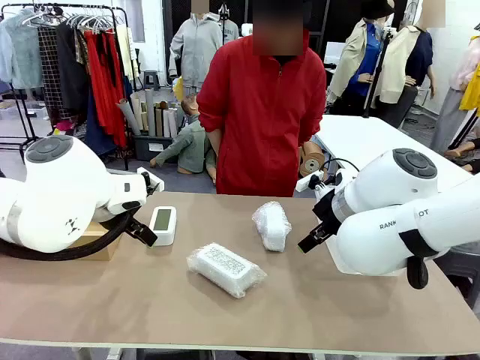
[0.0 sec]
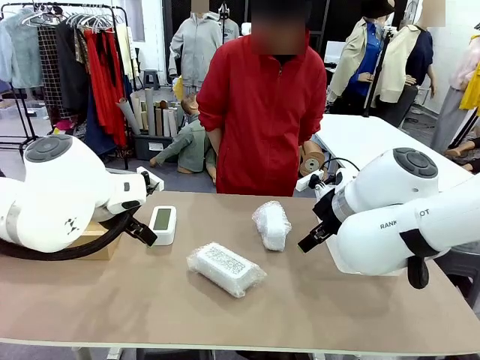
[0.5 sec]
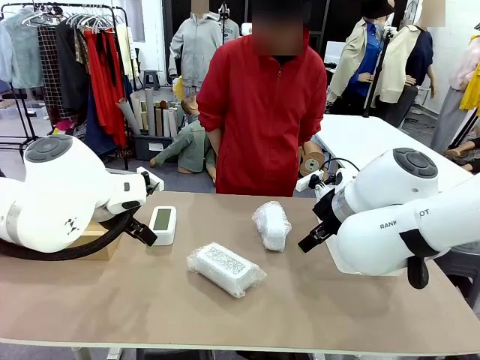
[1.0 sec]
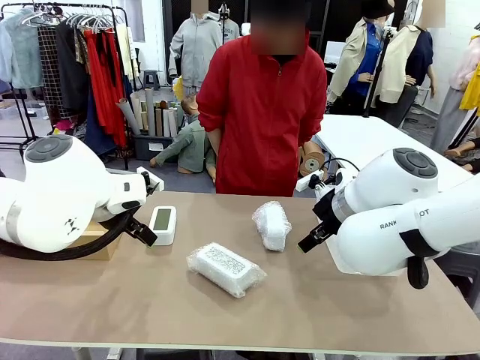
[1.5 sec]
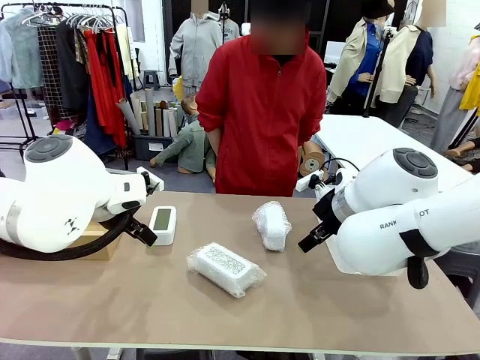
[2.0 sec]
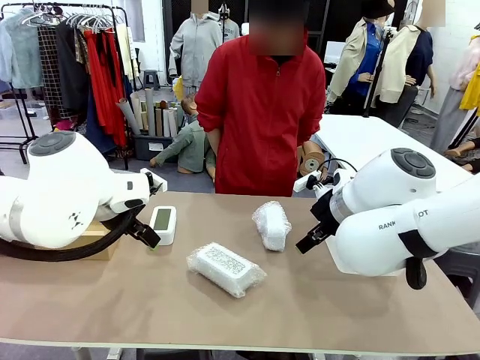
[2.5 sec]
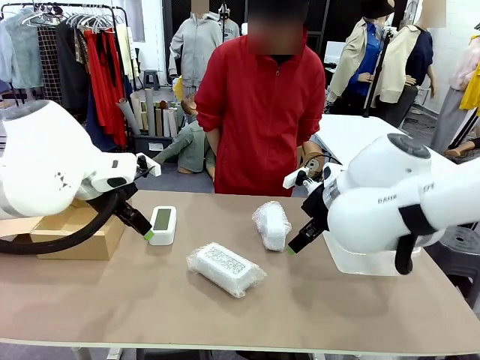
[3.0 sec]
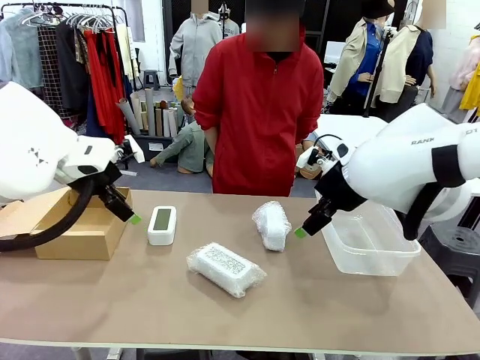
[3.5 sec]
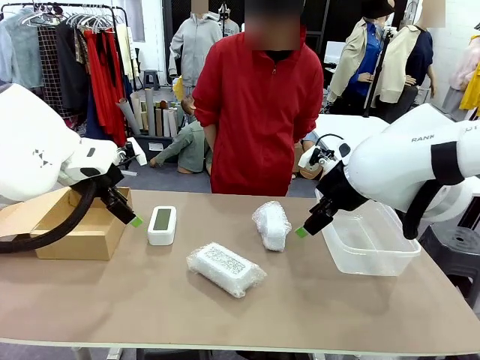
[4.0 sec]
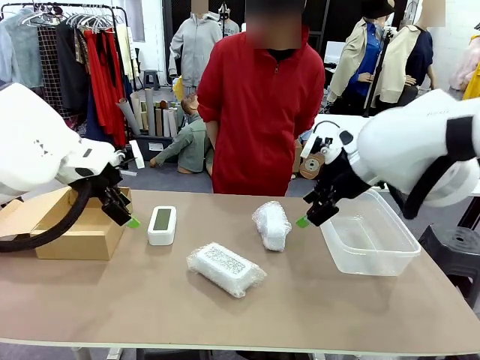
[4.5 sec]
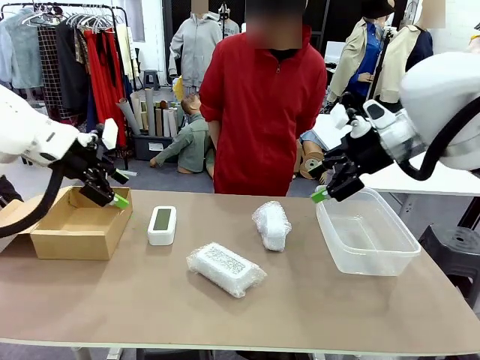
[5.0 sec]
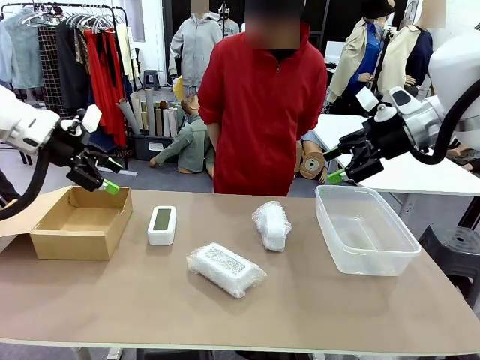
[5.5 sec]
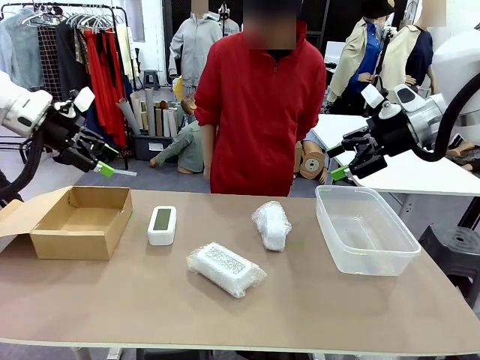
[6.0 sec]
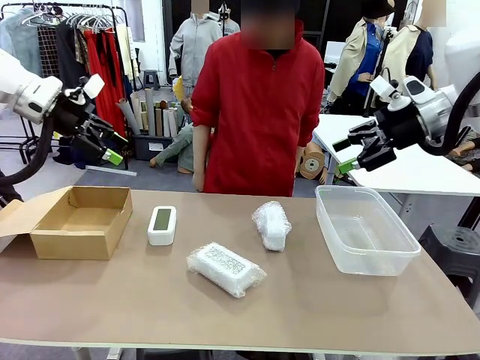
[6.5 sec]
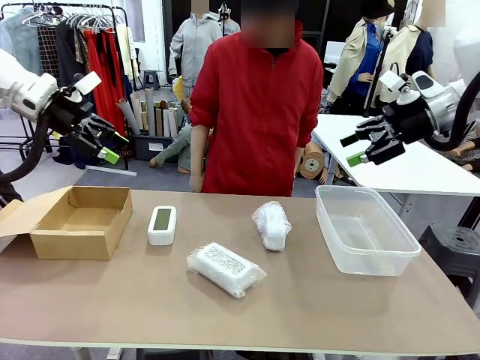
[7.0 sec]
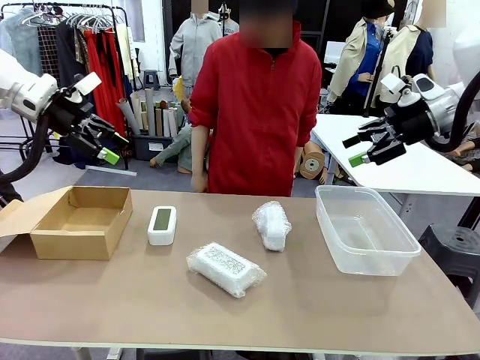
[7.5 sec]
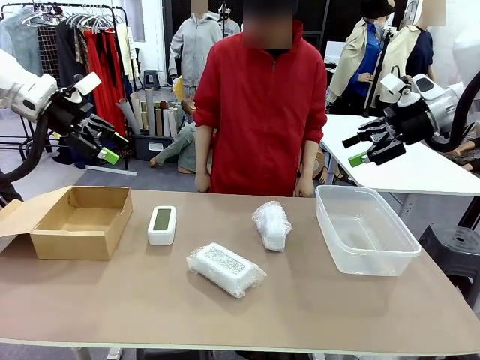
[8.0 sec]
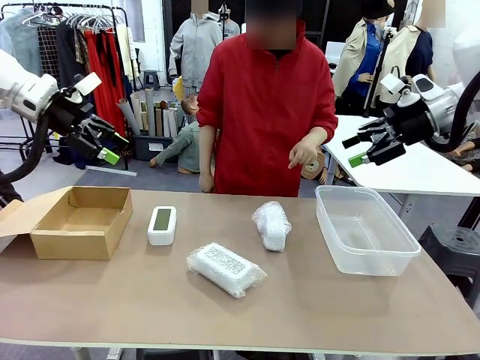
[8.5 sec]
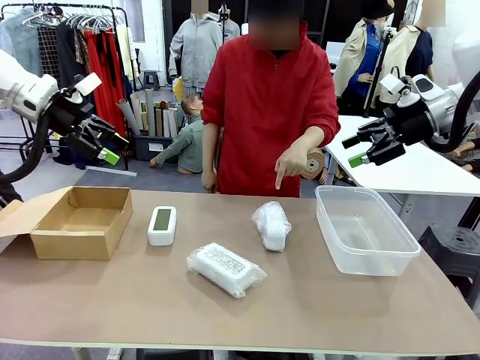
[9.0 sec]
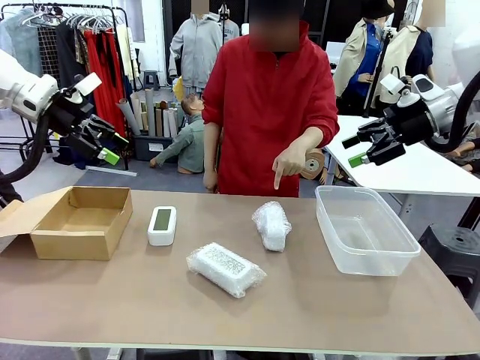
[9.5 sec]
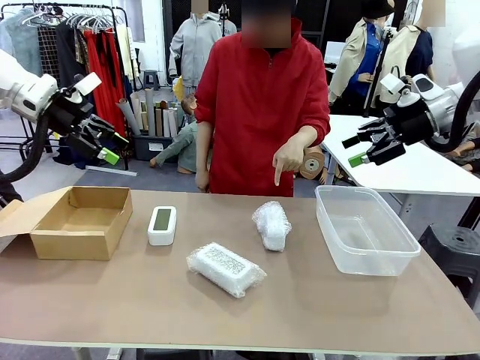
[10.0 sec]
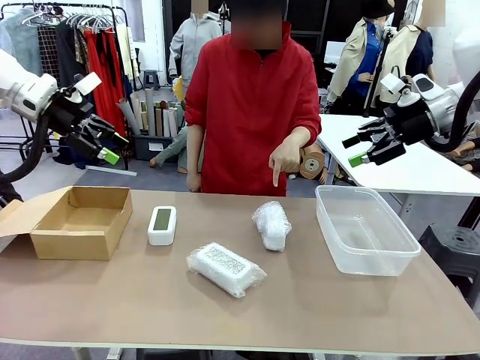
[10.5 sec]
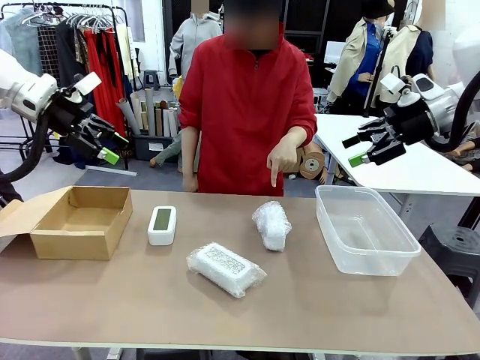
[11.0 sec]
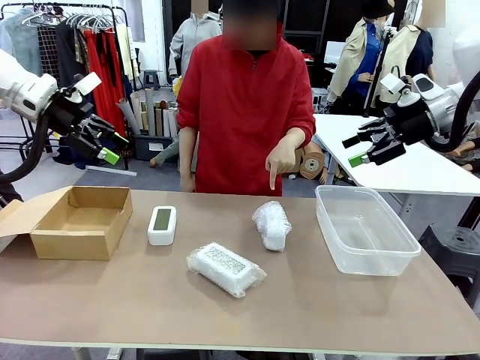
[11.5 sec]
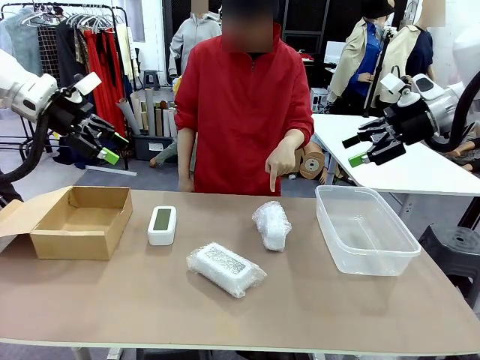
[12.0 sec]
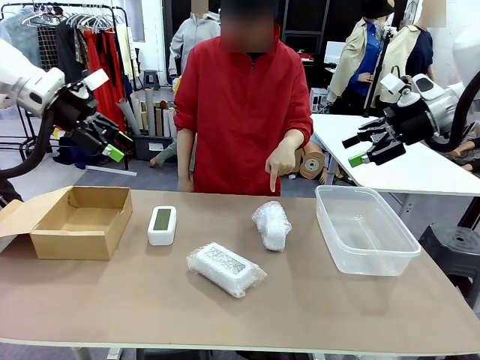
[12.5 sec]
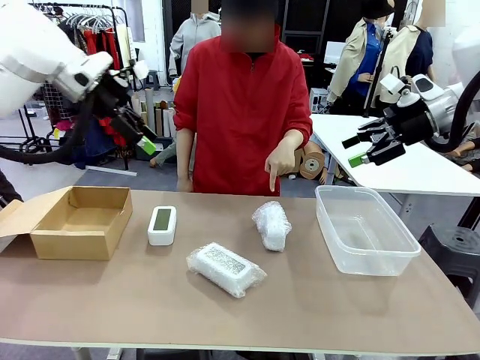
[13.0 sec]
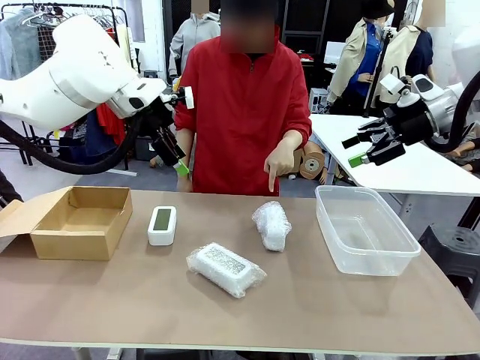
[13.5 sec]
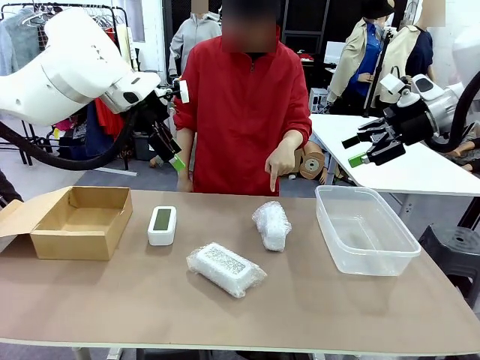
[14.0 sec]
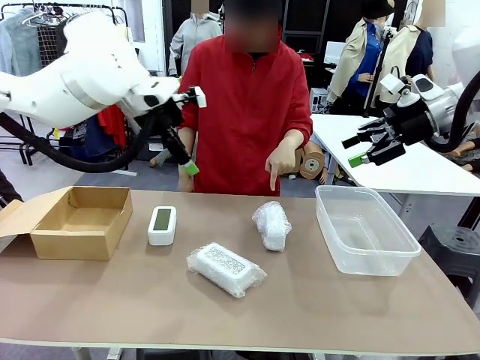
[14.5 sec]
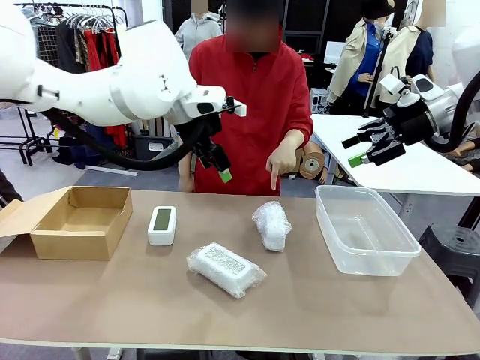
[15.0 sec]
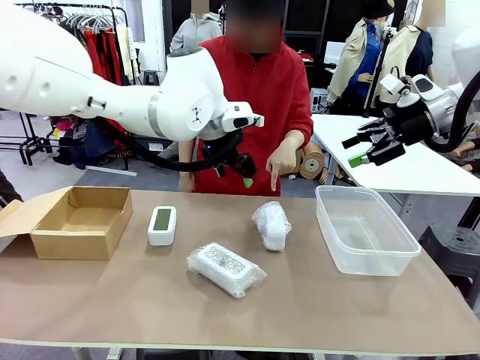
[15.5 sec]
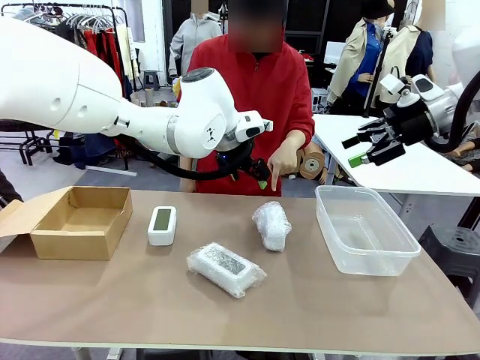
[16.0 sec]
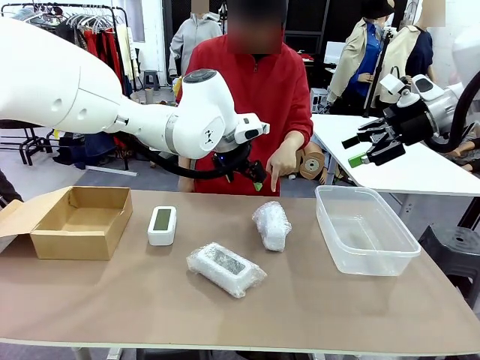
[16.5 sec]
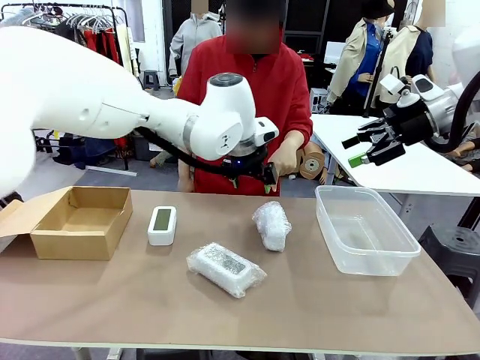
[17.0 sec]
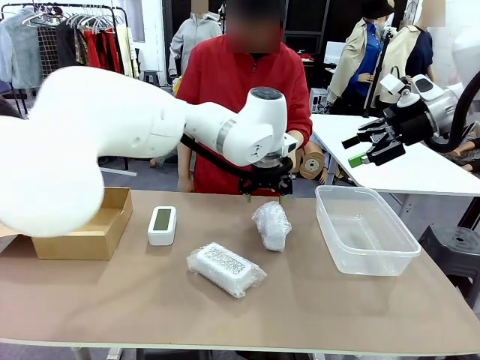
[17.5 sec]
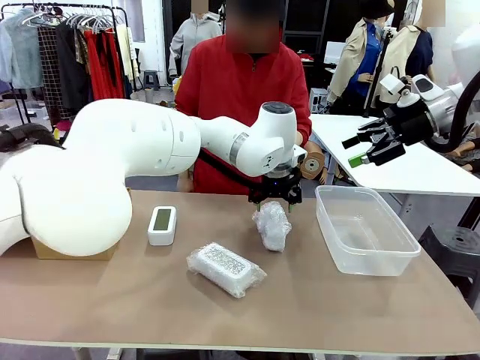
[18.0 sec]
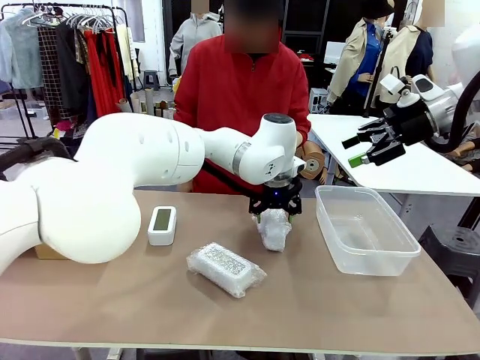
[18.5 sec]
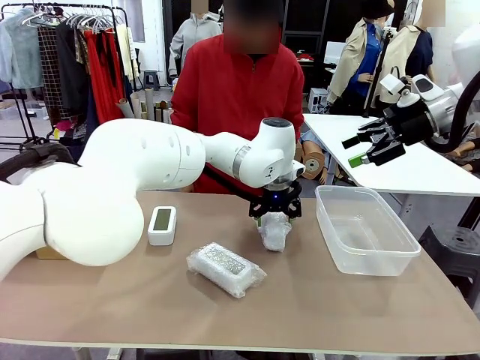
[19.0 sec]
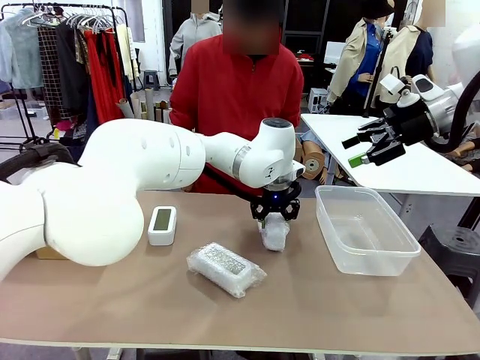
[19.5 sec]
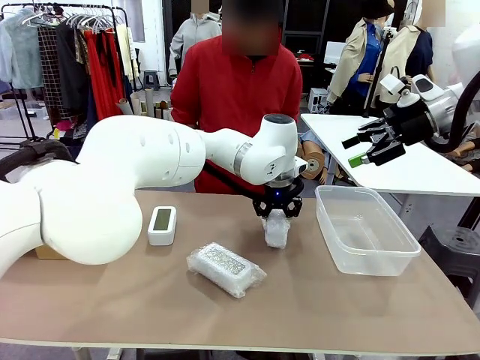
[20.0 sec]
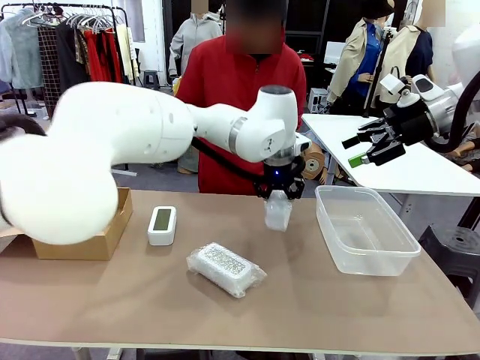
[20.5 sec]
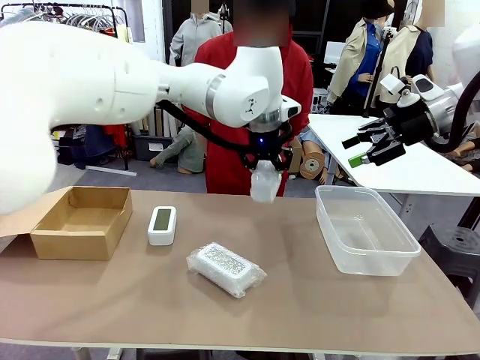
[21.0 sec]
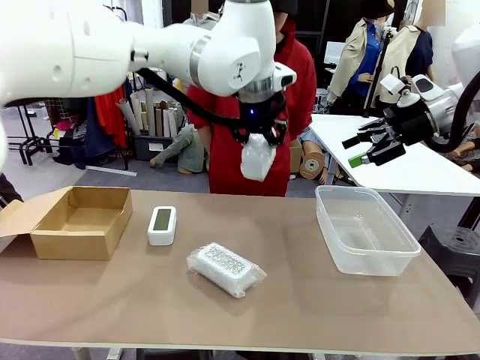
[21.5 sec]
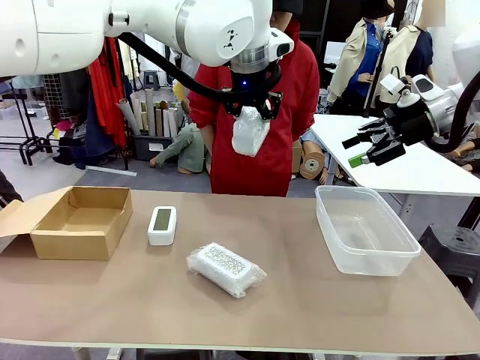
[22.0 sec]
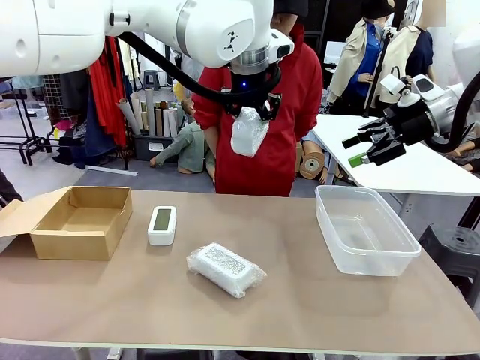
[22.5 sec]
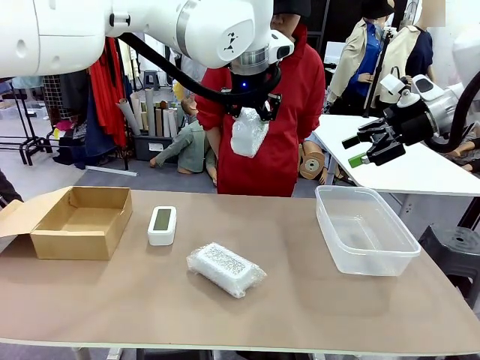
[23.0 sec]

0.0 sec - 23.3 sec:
Task: Separate and place wrapped and unwrapped clocks.
Robot: Pick up the Digital clock indicated by the person.
